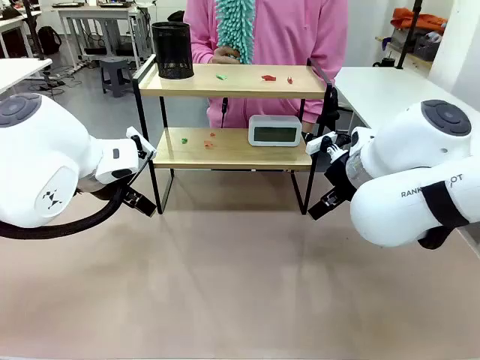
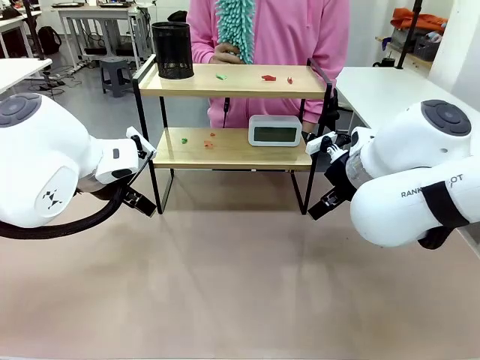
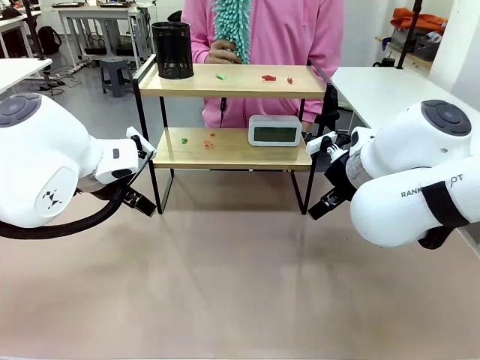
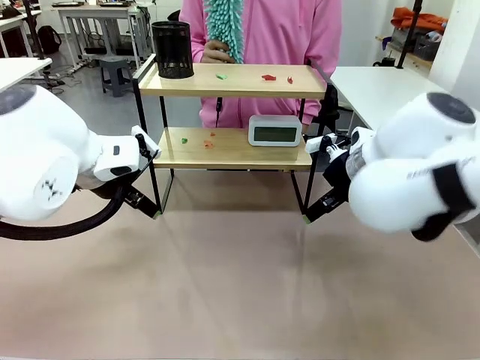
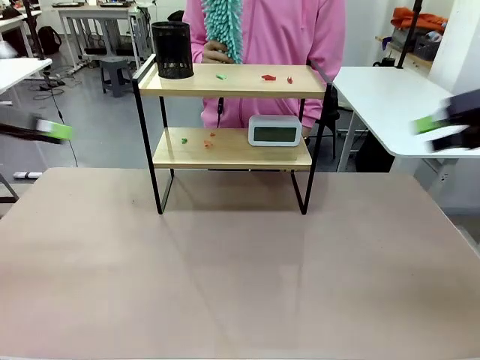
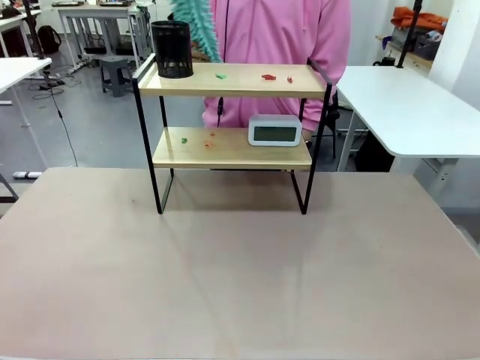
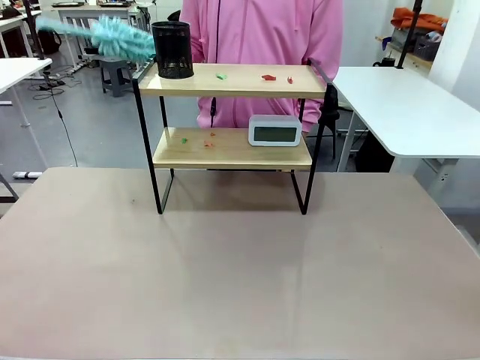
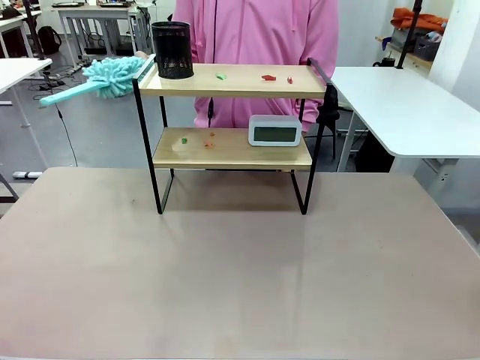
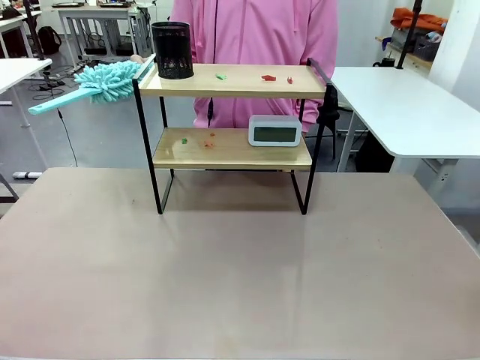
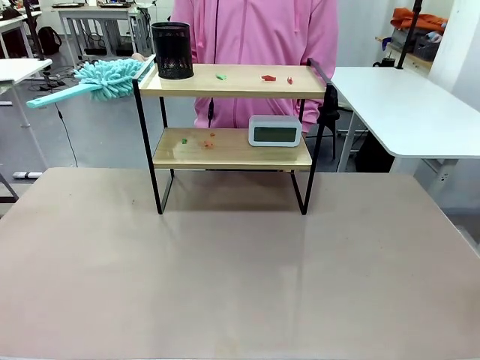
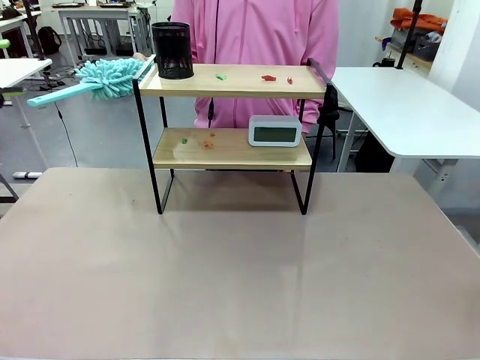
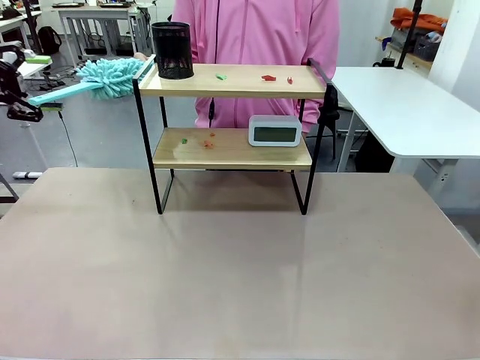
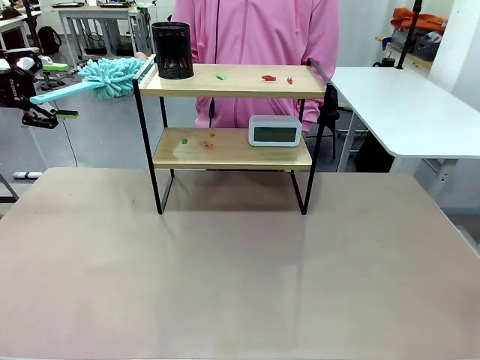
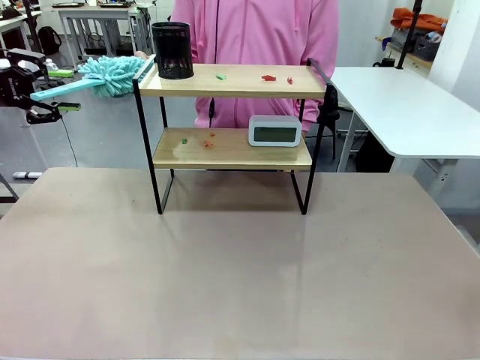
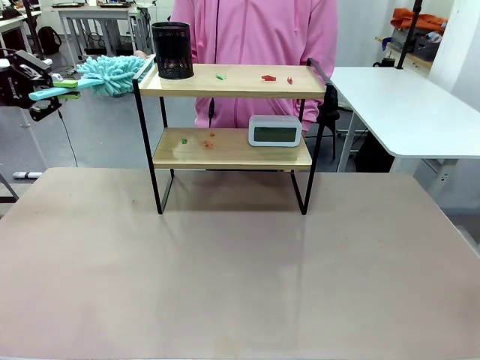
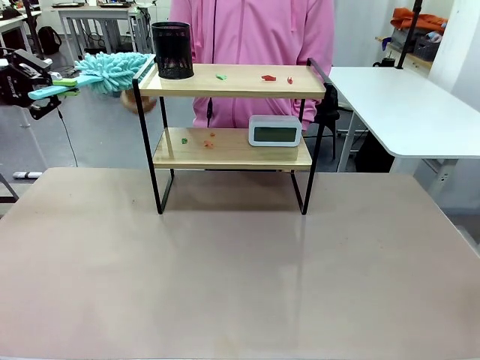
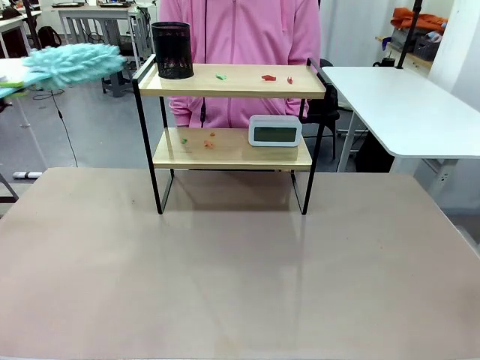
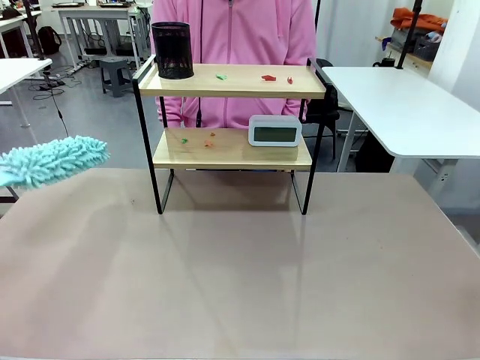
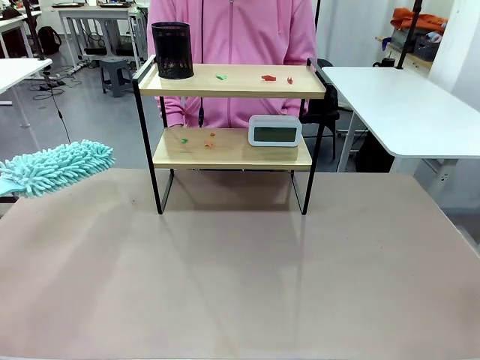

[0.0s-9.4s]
Task: Clean the shelf.
Robot: Pick up the Duster from the human.
Person: Hand the Duster to the robot.

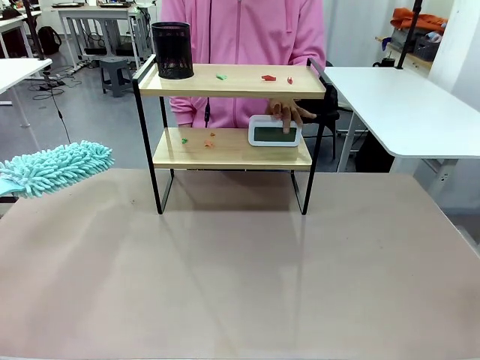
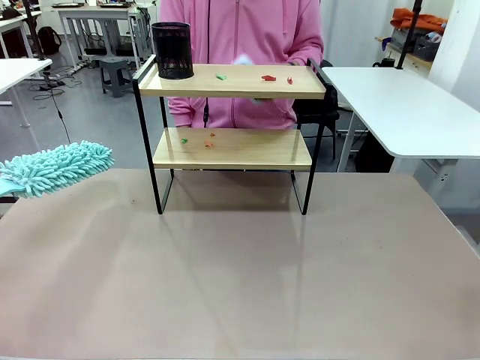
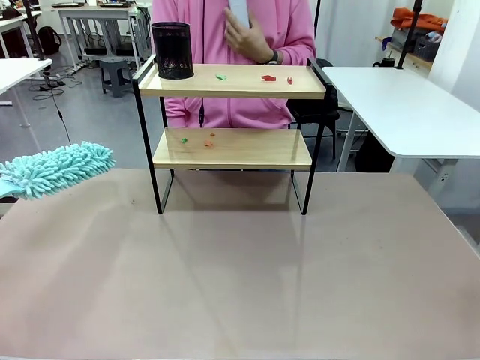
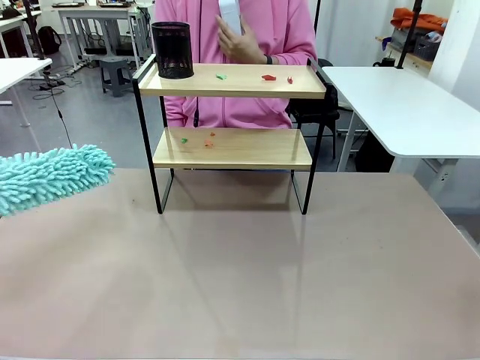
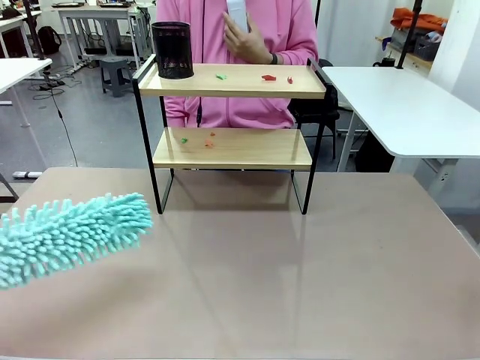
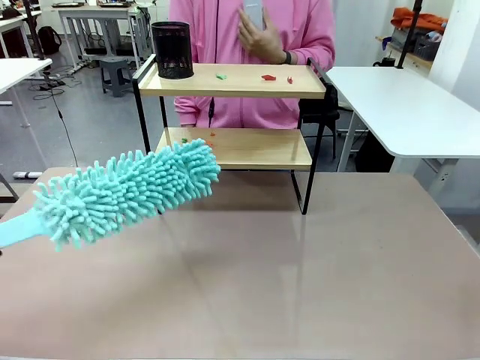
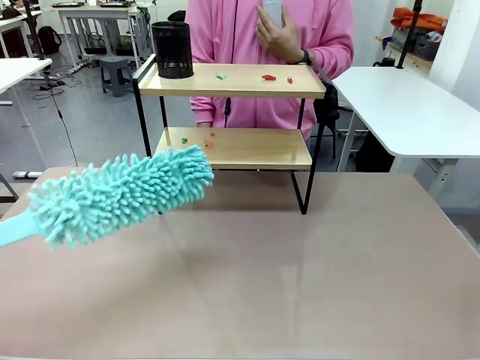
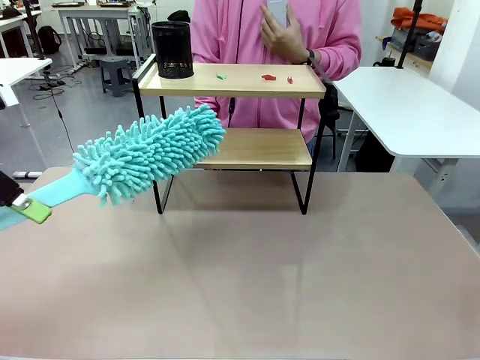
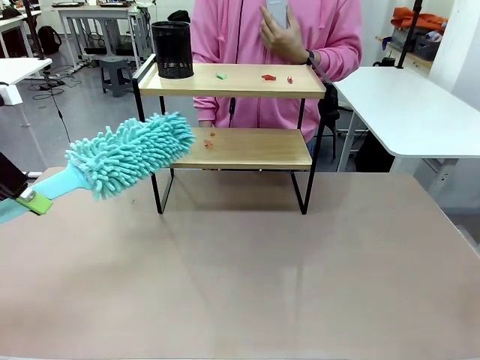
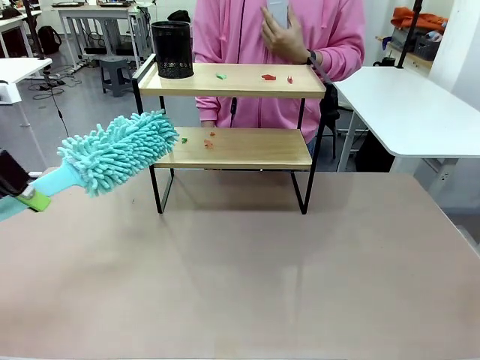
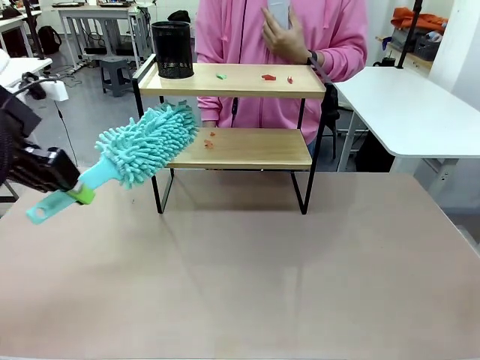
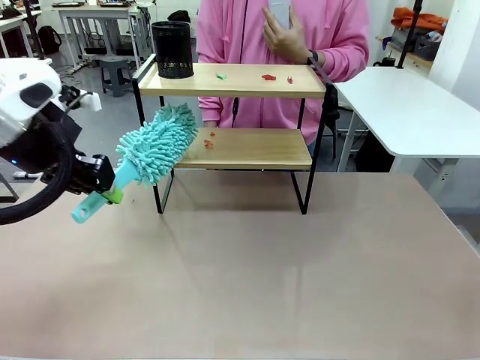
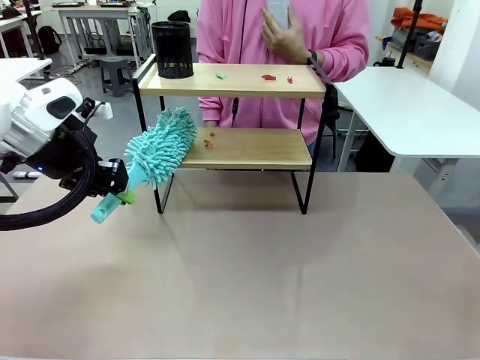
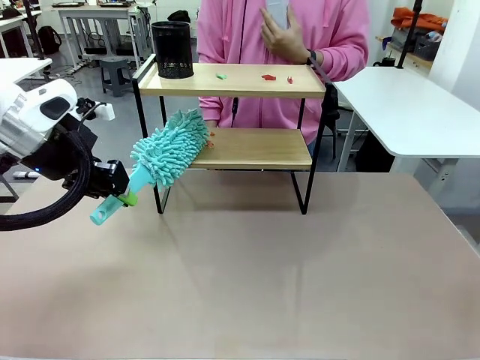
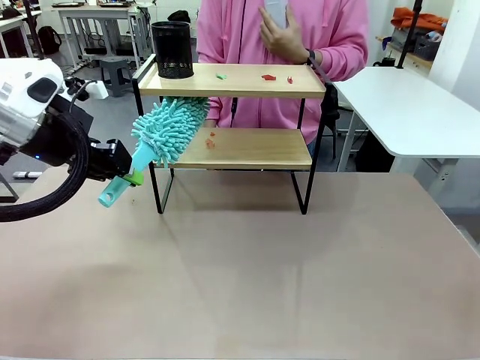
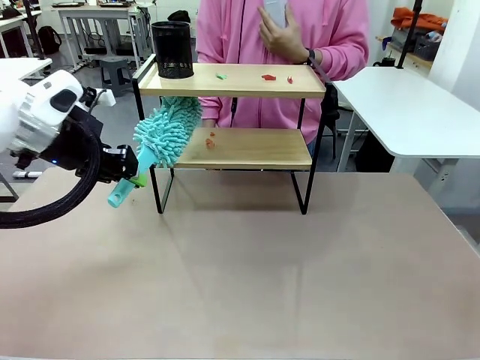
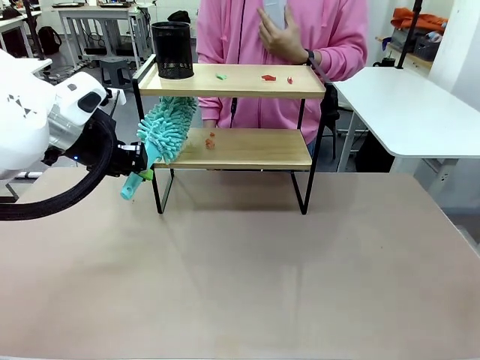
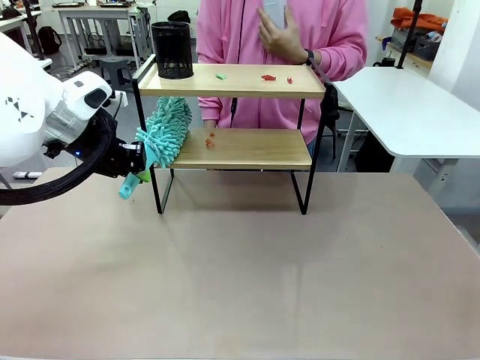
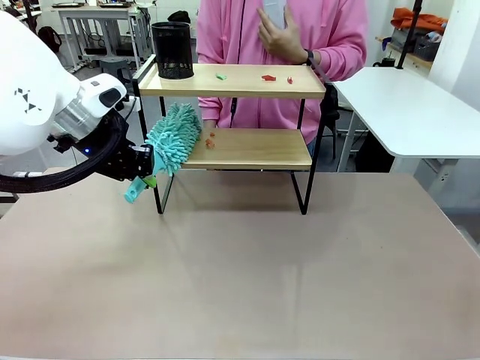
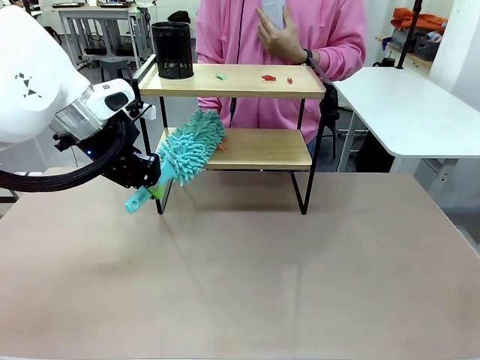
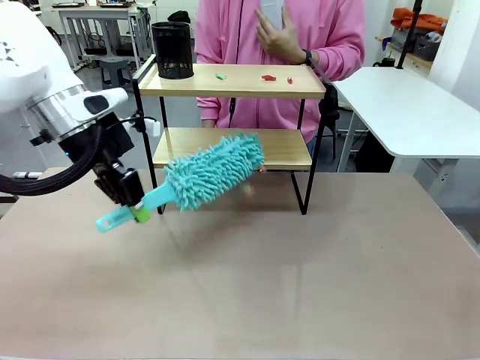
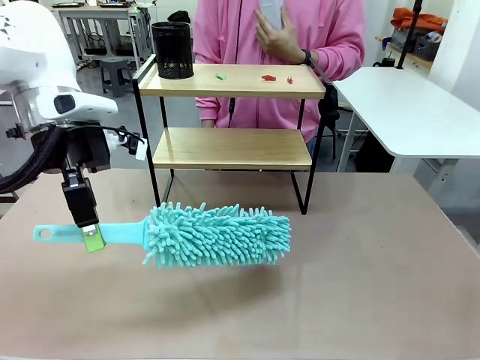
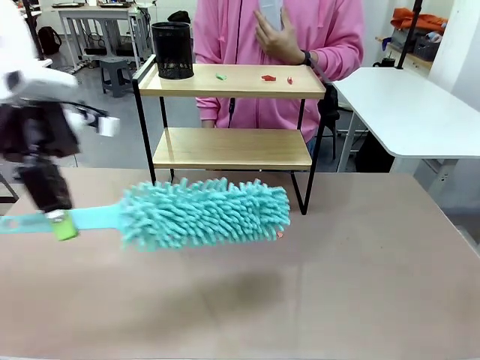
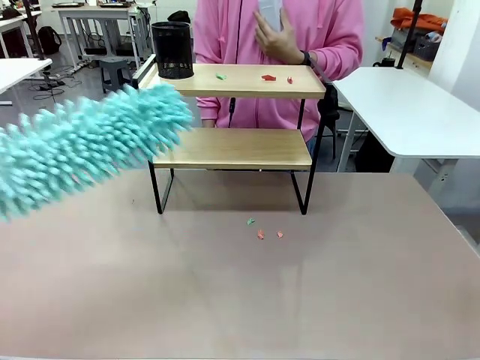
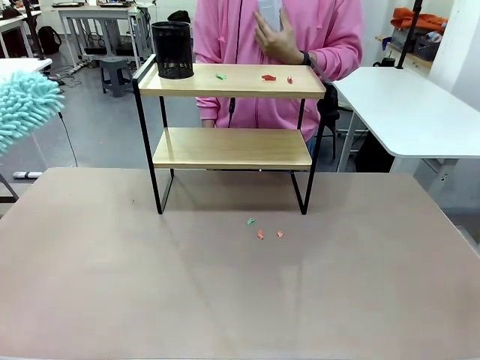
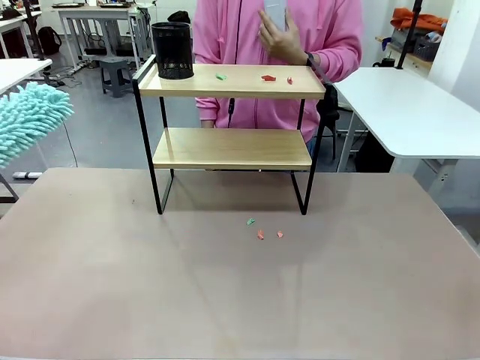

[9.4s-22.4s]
Robot: Clean the specific tier of the Shelf with the Duster once objects are removed.
Person: Lift the objects on a randomly selected tier of the Shelf. Once the robot finishes cleaning, lift the objects on the remaining tiers of the Shelf.

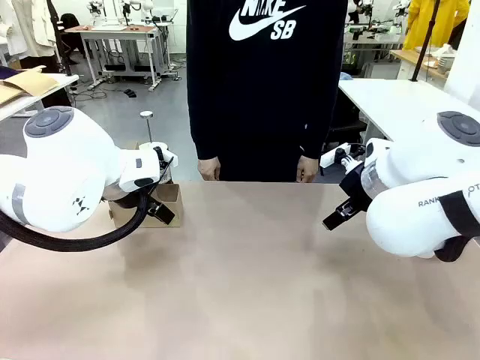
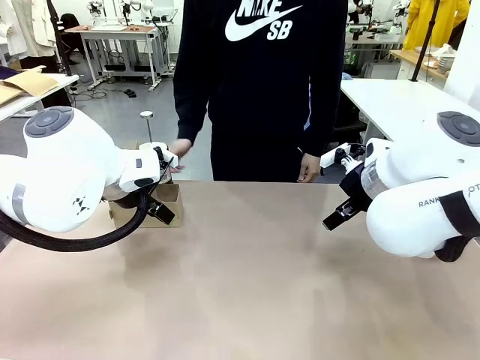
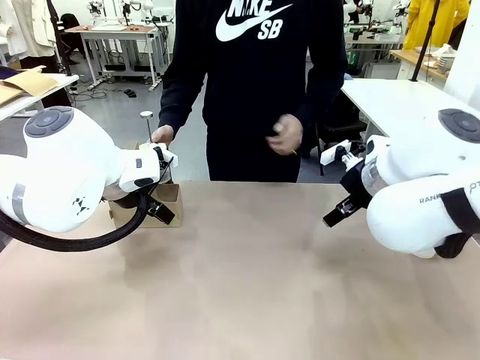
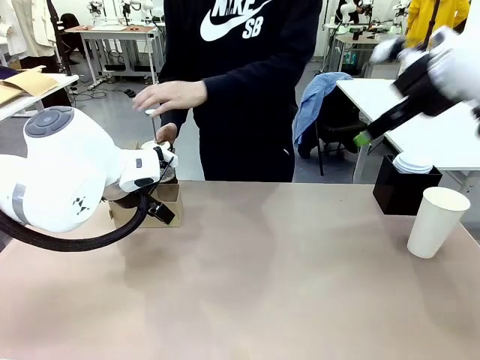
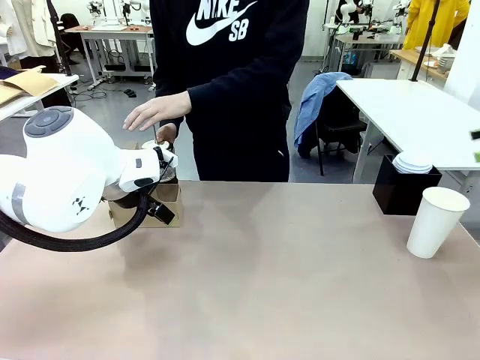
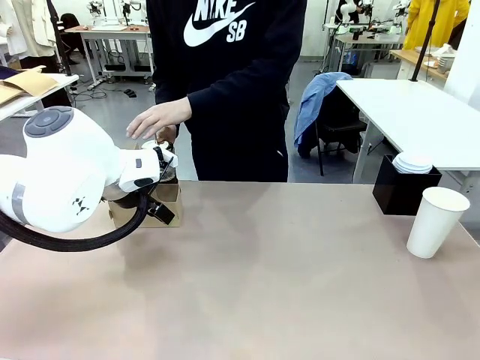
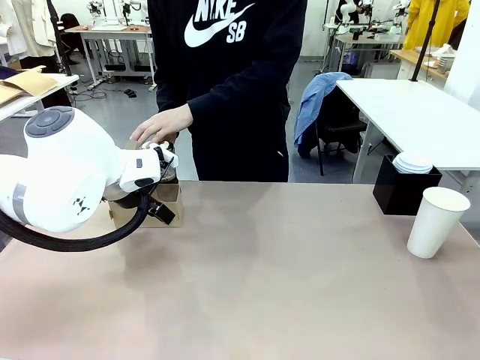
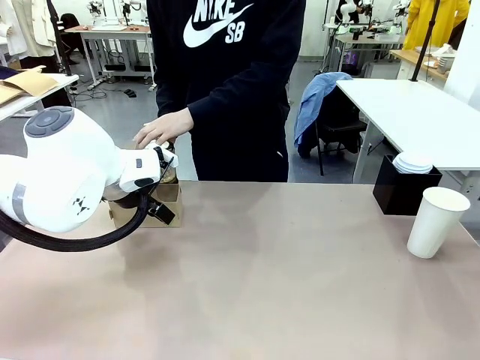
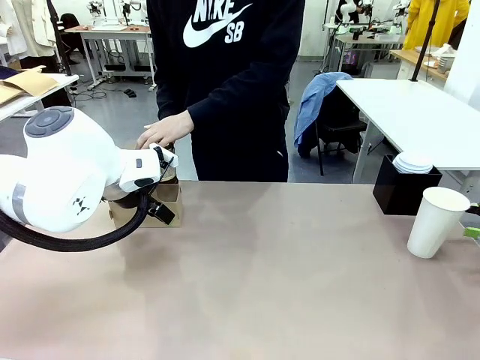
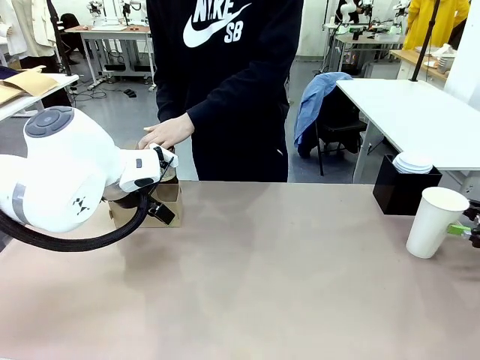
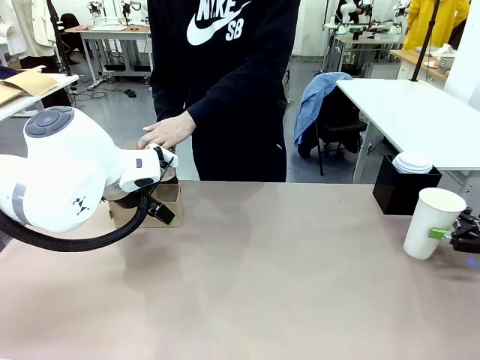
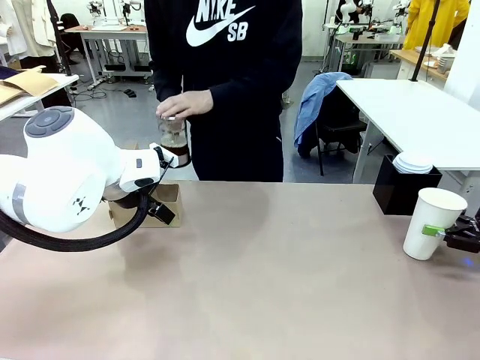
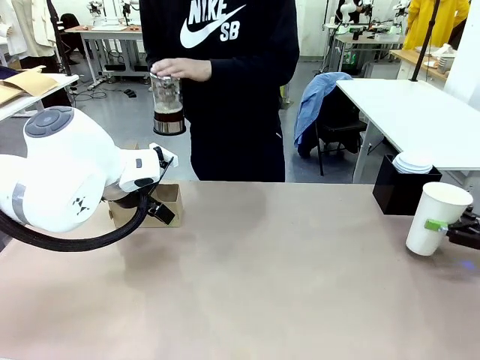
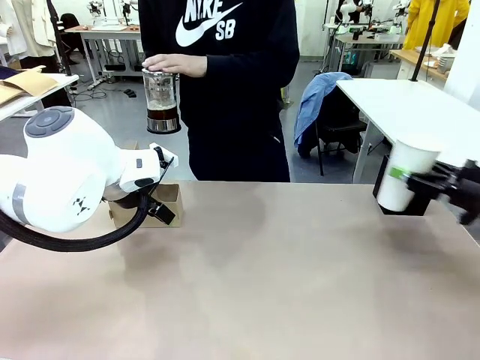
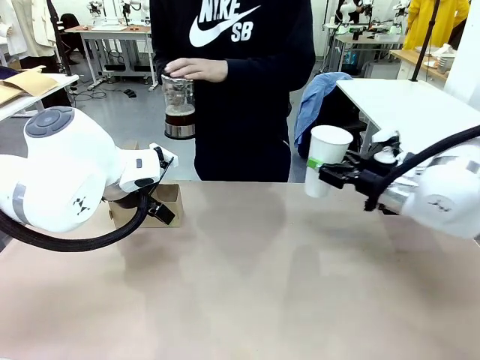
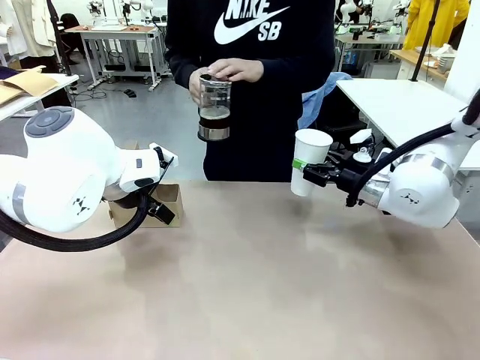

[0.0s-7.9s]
Task: Pour a drink into a cup and package it in a carrier.
Robot: Pick up the 600 ml Paper Cup and place it in the middle top area of the table.
Person: Press and pick up the Filter Brewing.
